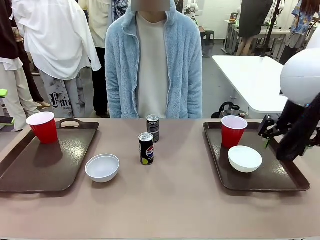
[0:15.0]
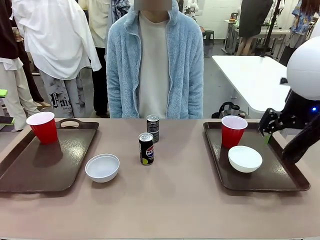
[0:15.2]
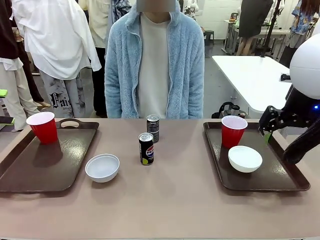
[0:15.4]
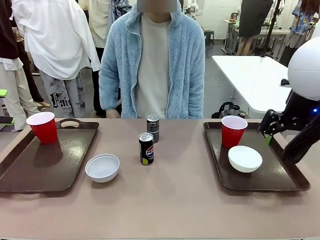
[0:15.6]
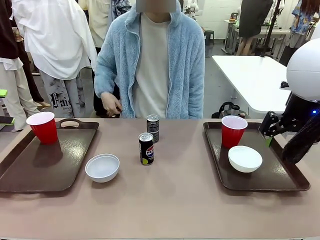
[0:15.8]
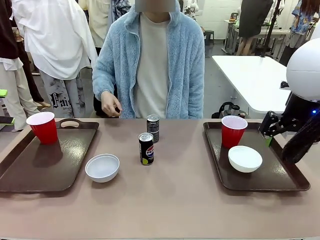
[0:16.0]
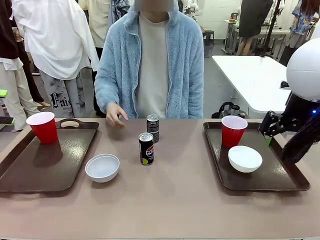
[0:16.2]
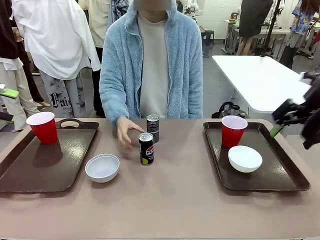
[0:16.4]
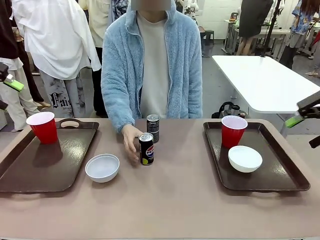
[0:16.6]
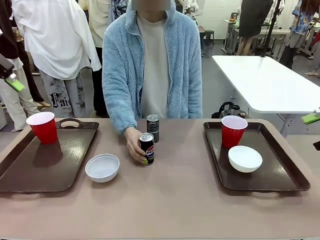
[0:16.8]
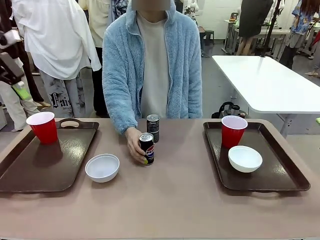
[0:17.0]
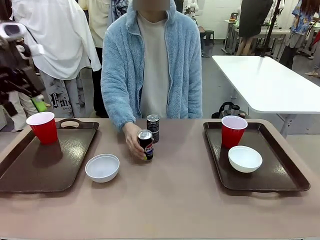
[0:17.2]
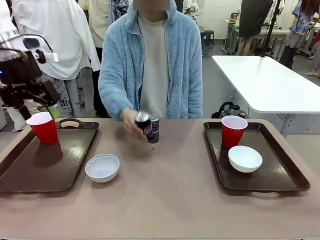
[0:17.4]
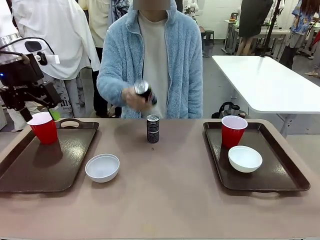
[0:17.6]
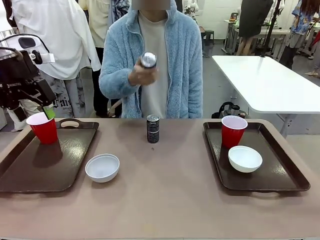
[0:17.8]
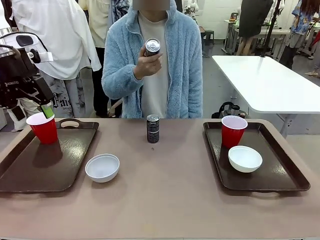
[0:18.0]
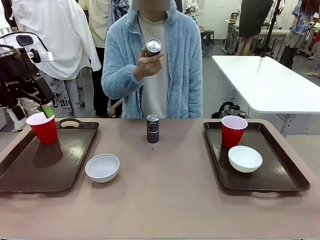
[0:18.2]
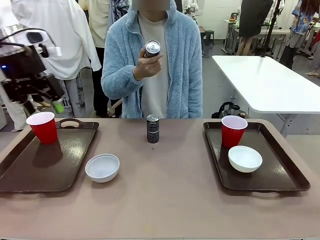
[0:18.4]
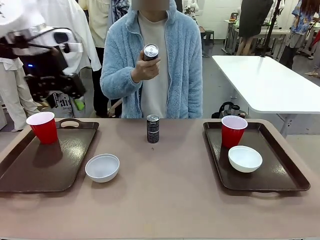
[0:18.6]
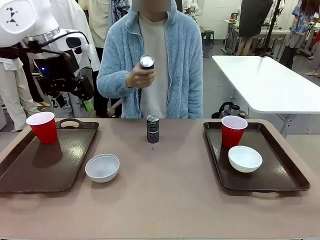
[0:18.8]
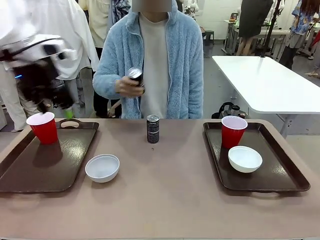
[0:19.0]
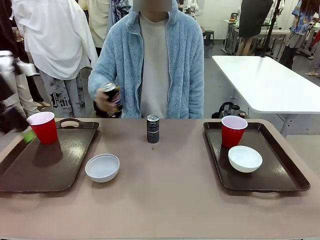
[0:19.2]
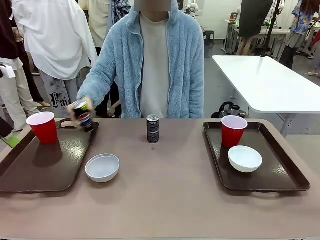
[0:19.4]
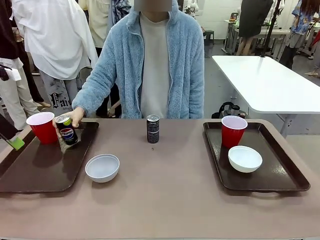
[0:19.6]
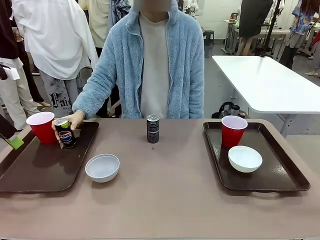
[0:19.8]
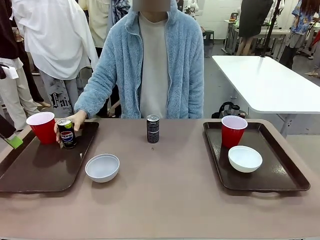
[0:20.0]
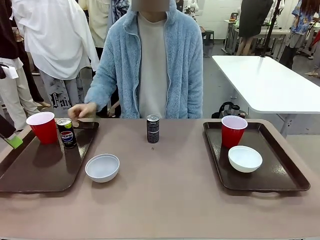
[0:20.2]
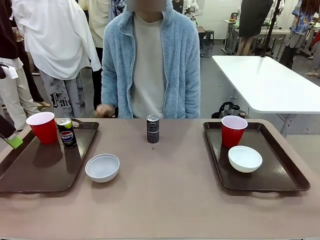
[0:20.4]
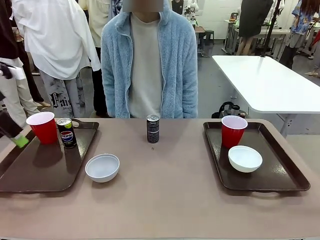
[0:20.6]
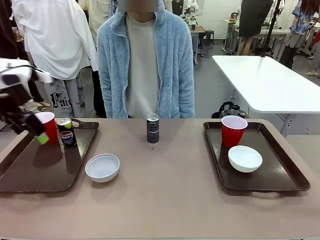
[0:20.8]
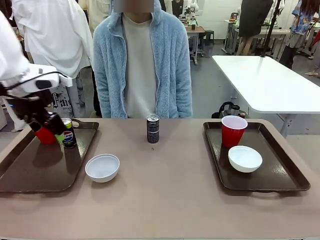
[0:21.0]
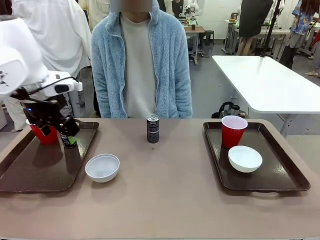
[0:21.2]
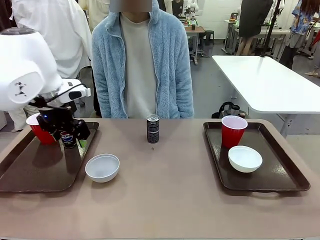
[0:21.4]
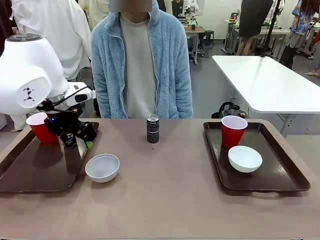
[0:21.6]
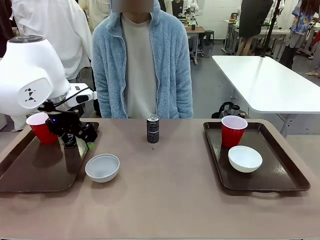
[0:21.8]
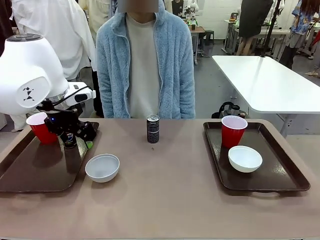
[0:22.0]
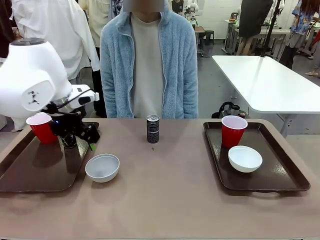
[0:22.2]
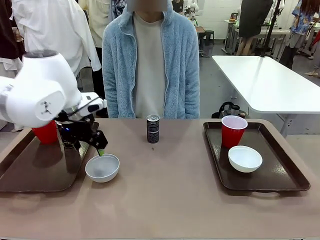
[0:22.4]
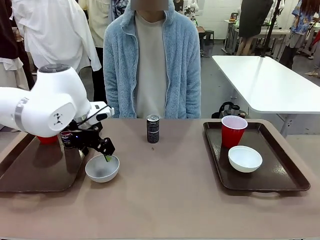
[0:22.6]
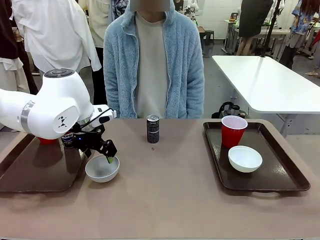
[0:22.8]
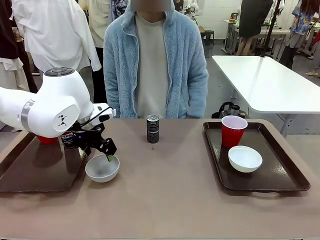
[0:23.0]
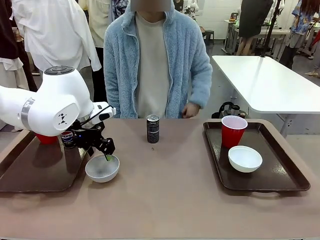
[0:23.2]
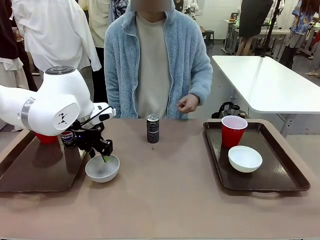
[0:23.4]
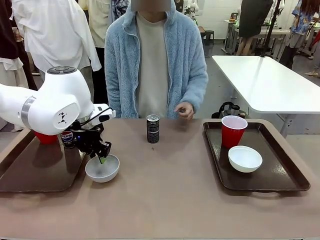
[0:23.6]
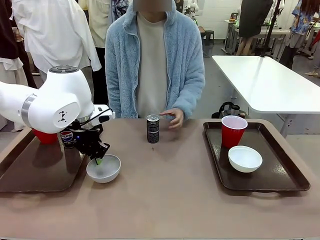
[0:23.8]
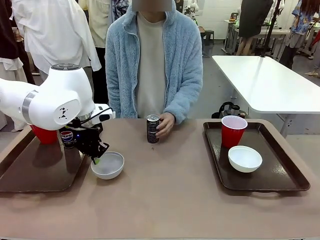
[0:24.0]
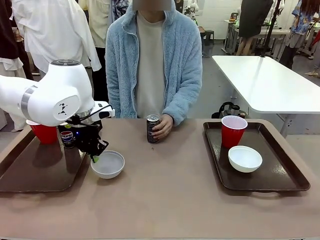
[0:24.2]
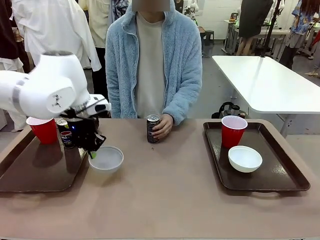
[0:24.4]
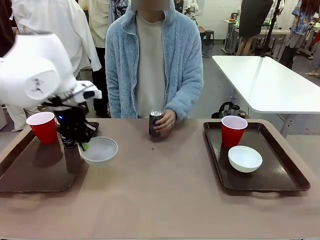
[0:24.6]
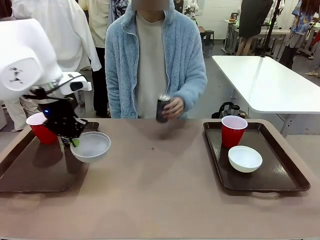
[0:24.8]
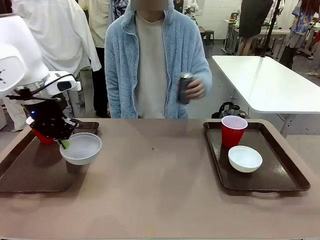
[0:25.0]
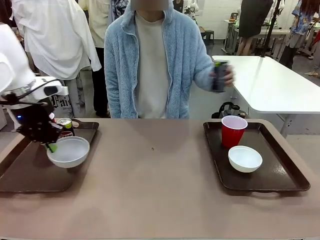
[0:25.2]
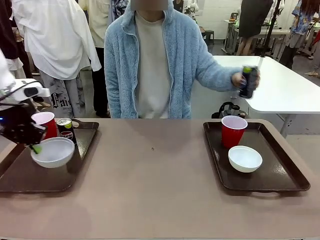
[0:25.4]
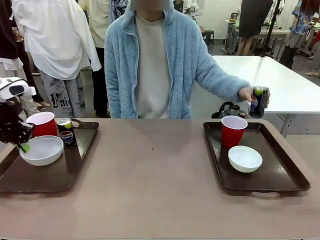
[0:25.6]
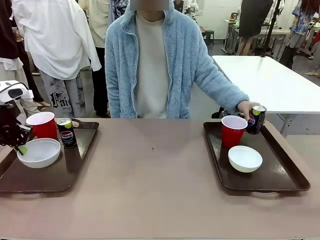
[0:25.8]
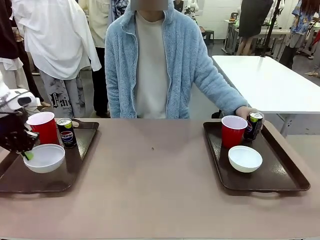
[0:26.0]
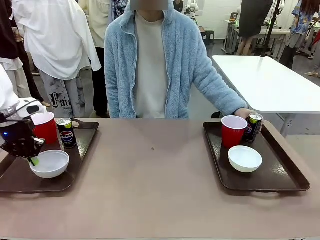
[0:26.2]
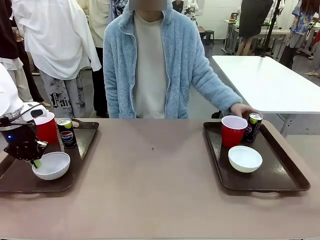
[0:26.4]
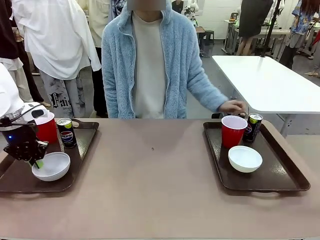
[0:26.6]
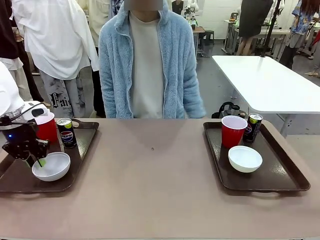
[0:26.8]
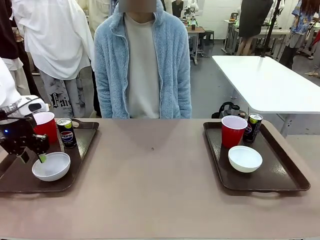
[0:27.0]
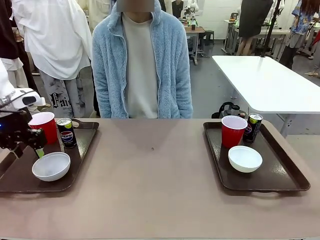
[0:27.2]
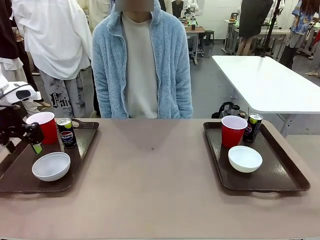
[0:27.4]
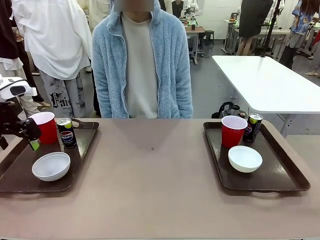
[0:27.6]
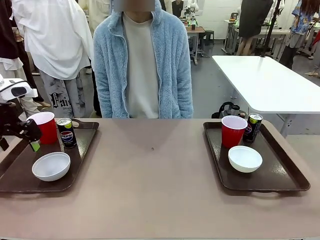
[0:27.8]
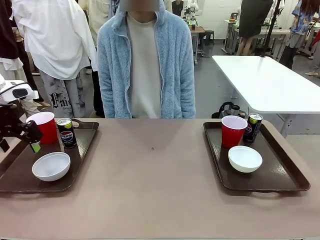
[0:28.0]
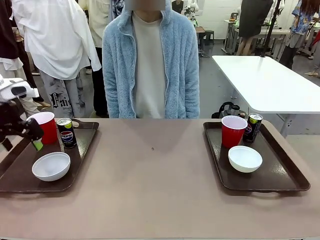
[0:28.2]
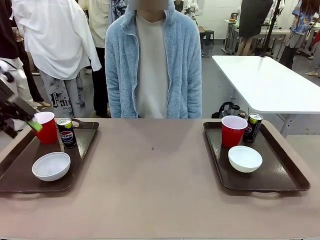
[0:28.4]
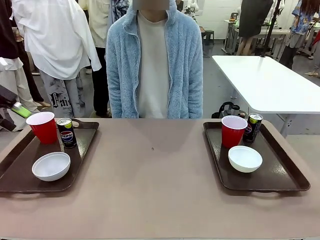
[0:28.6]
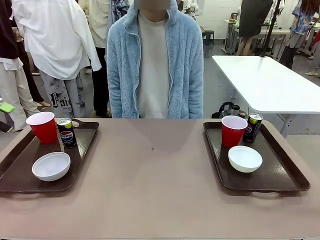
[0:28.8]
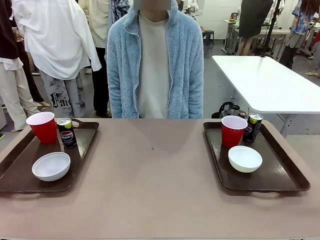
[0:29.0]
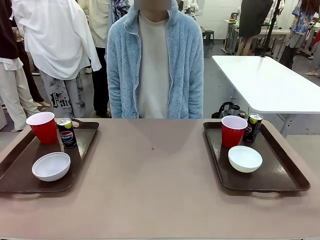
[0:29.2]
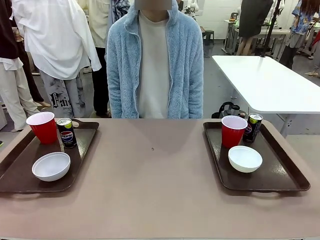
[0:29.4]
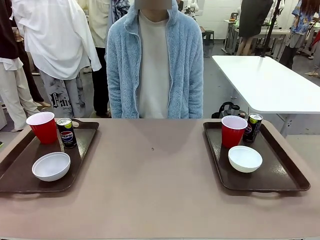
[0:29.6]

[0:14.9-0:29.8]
Task: Prepare tableware on both trays.
Robot: Pick up a Picnic Bowl from the table and place it on a Handle tray.
Person: Pick up a can or cup and place it on the tray without a can or cup.
